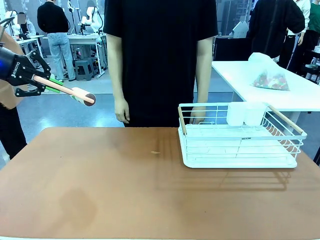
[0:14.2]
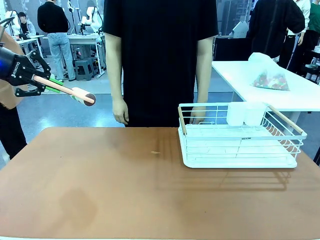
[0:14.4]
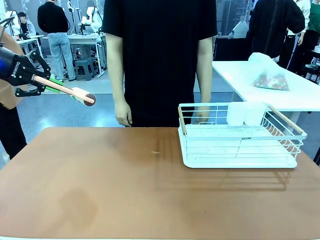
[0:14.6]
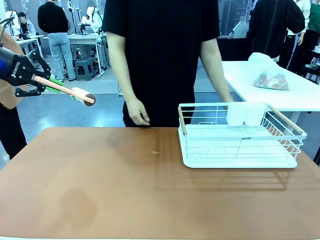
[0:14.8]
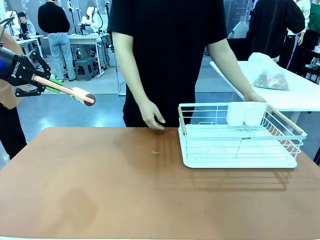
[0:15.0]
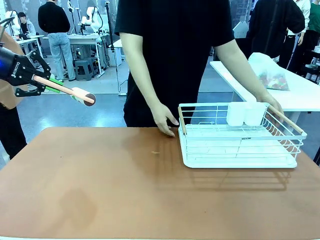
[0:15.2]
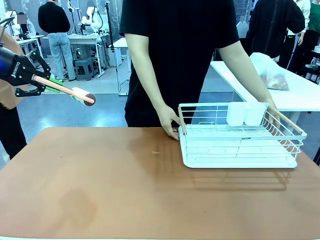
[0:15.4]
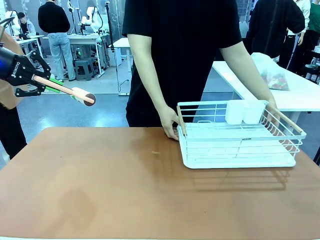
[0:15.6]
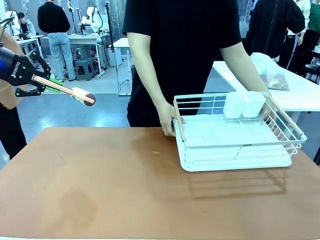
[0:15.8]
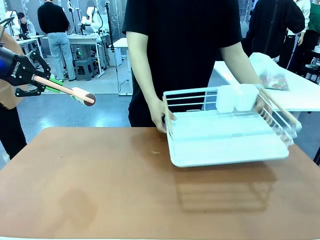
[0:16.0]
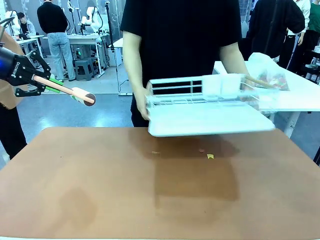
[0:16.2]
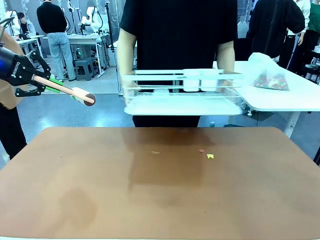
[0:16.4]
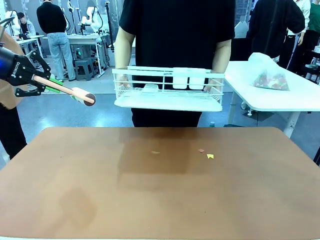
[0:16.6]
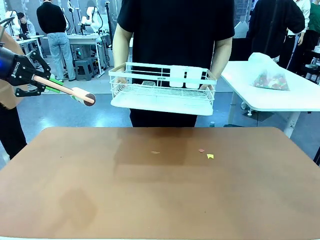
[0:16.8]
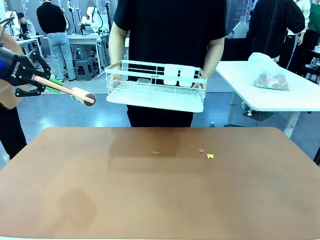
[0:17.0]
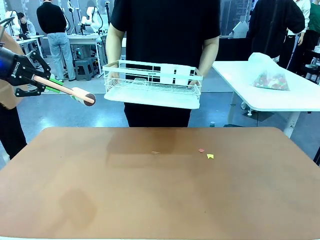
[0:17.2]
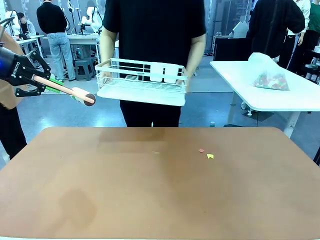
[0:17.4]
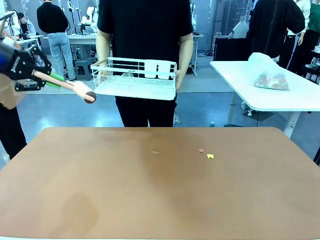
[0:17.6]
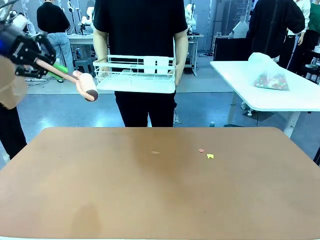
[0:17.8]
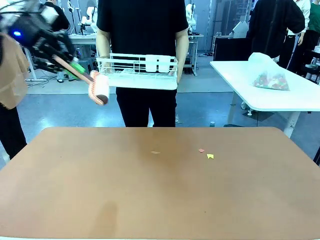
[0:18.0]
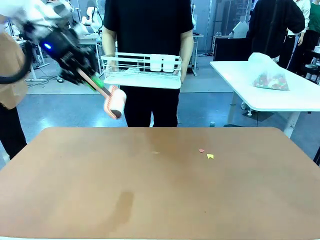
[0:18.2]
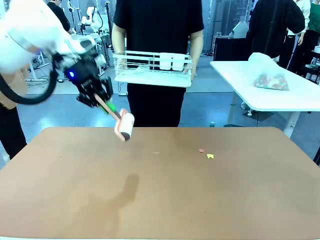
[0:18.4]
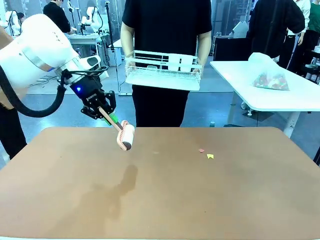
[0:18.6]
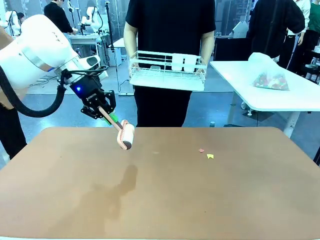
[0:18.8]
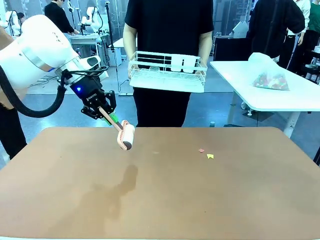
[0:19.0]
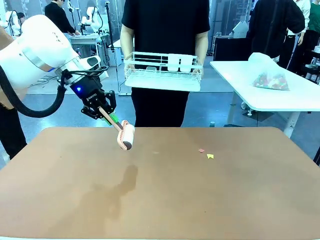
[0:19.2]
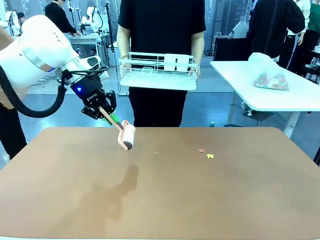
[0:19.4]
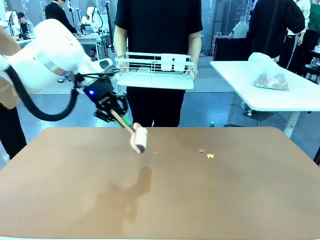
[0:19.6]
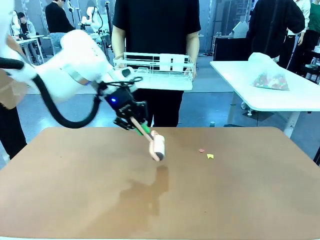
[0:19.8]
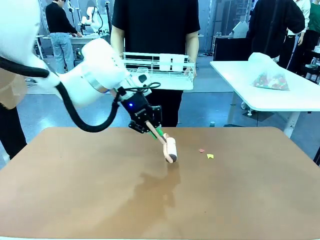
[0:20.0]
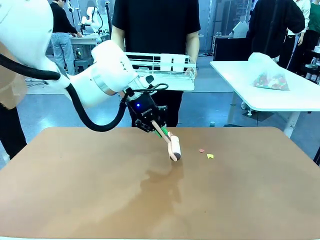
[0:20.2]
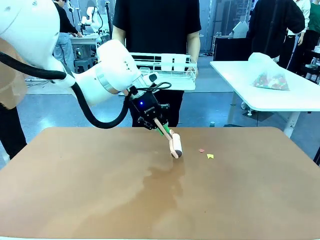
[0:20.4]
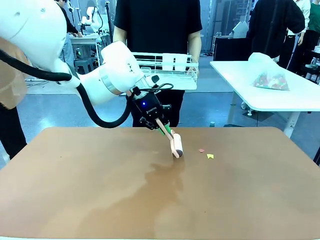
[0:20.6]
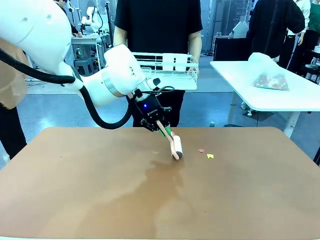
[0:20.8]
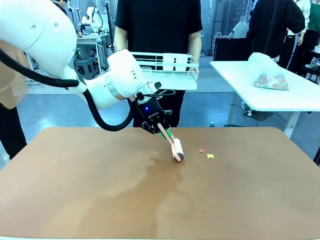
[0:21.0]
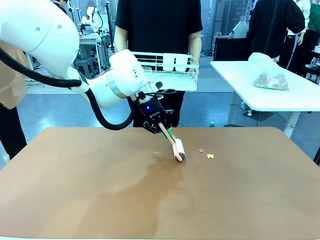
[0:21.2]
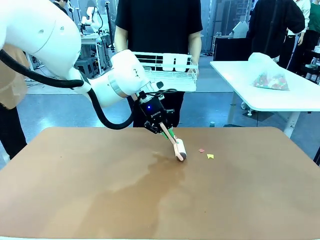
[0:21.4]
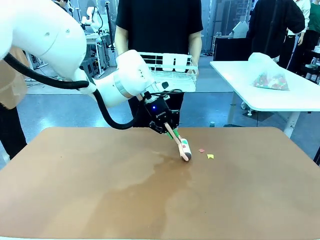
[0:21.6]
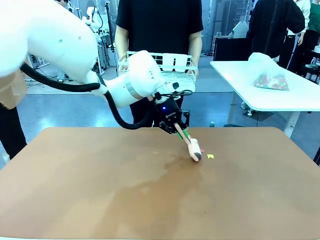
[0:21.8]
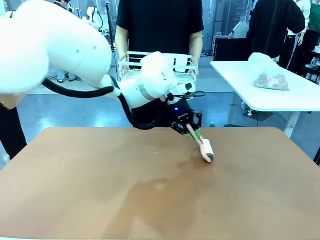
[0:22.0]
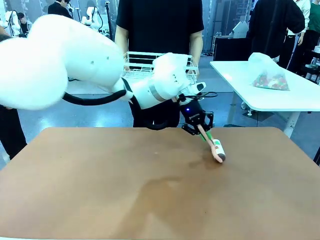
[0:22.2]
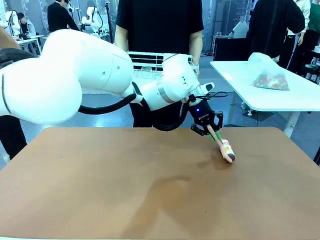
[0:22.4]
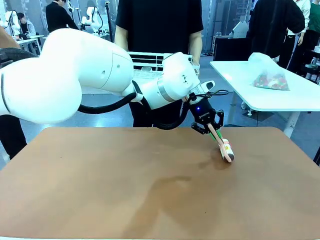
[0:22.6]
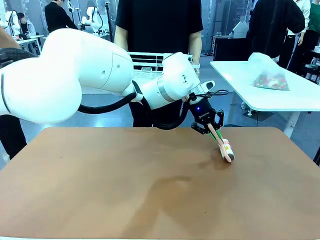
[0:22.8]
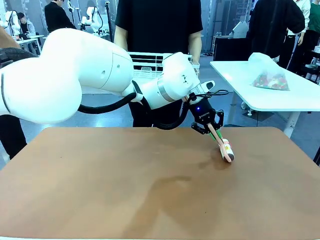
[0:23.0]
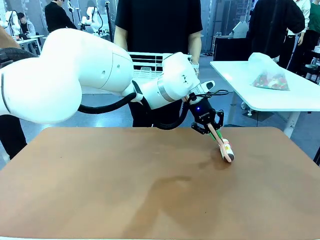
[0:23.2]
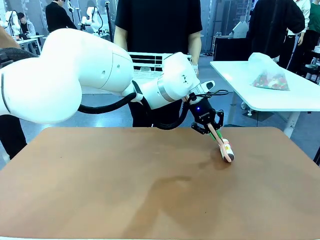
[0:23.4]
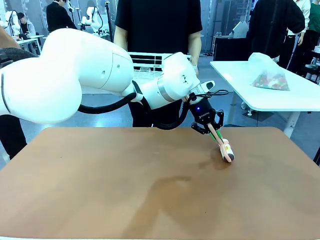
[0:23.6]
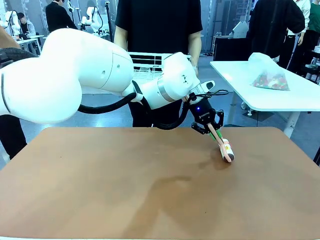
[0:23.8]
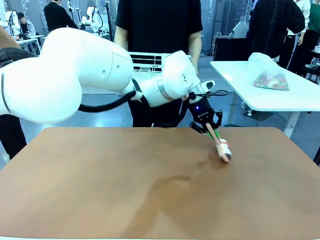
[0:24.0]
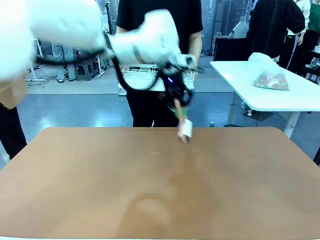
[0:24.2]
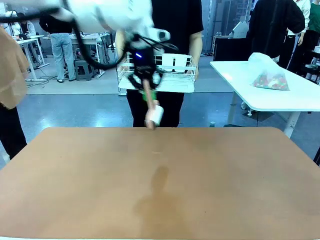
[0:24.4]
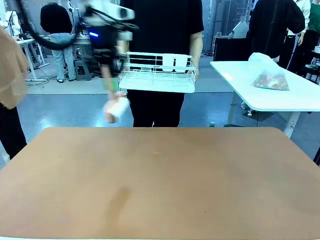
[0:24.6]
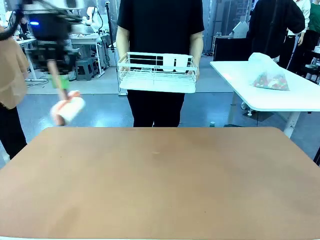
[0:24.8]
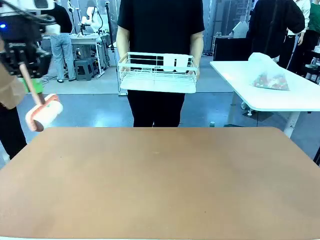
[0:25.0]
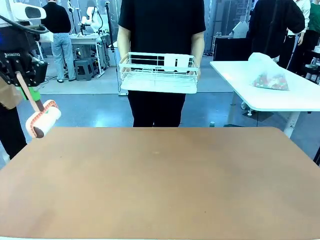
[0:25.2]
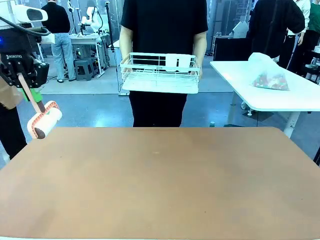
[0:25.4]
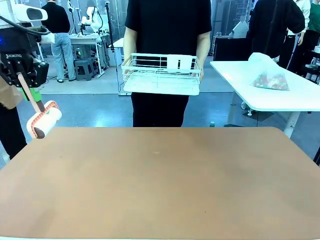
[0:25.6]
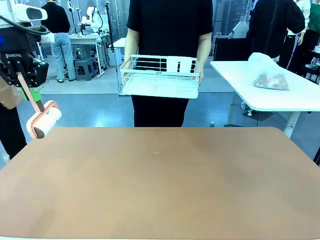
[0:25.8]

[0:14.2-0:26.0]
Task: Clean the table.
Robot: Clean the table with the Lint Roller when the human lifts the Dish drying rack.
Person: Place the Dish drying rack down when the robot finishes cleaning.

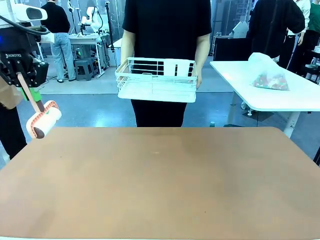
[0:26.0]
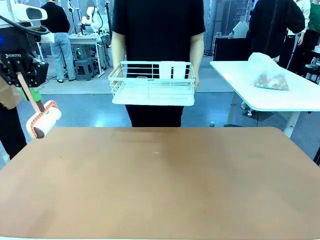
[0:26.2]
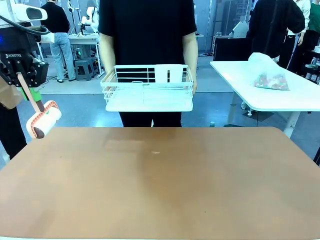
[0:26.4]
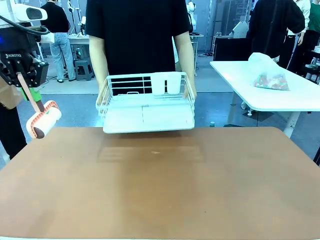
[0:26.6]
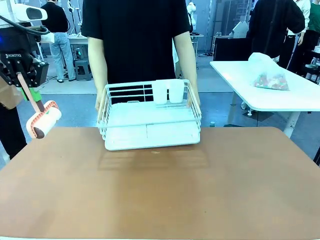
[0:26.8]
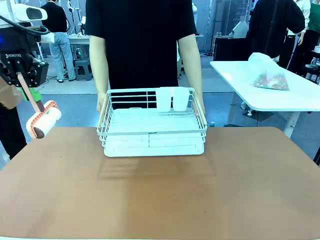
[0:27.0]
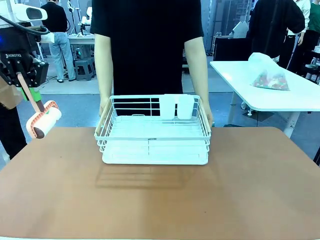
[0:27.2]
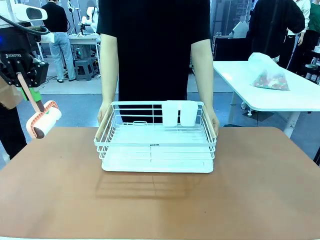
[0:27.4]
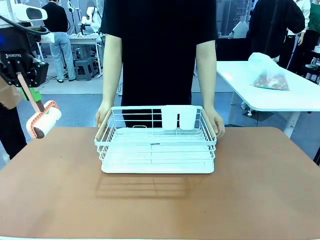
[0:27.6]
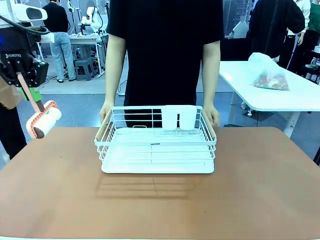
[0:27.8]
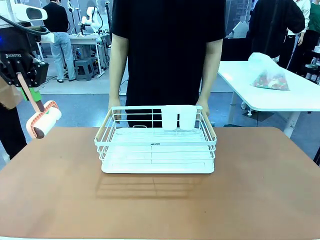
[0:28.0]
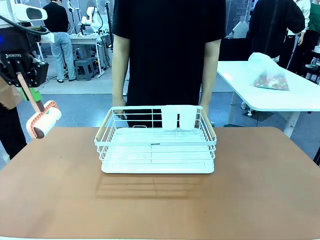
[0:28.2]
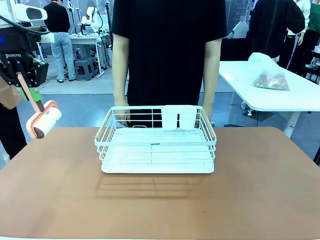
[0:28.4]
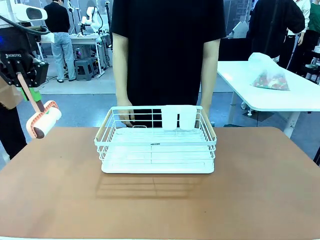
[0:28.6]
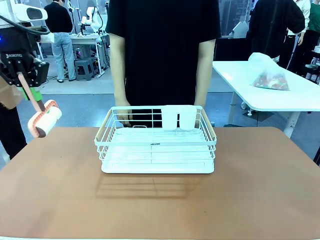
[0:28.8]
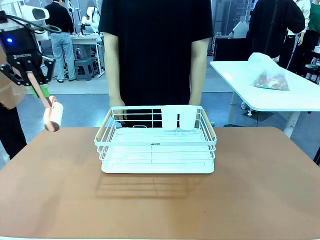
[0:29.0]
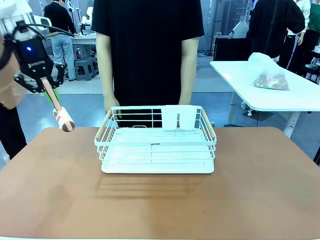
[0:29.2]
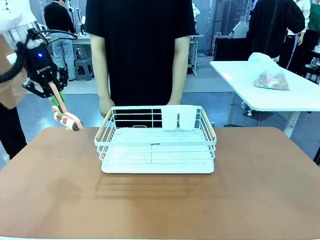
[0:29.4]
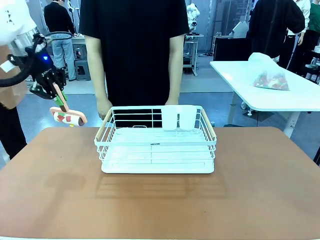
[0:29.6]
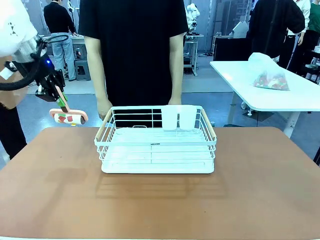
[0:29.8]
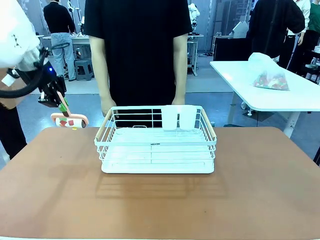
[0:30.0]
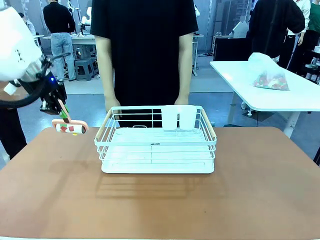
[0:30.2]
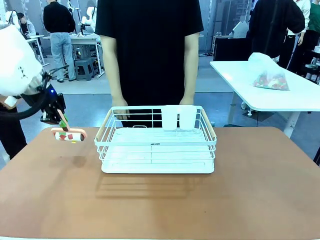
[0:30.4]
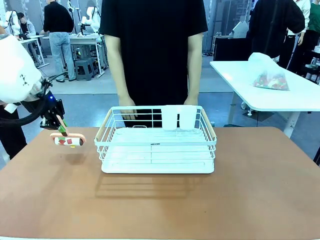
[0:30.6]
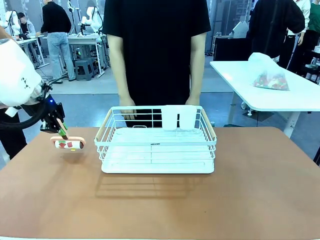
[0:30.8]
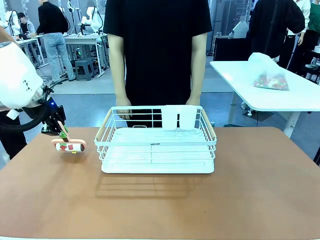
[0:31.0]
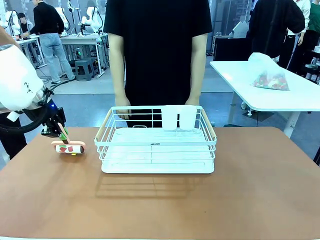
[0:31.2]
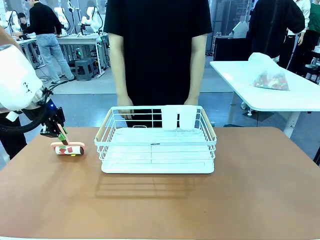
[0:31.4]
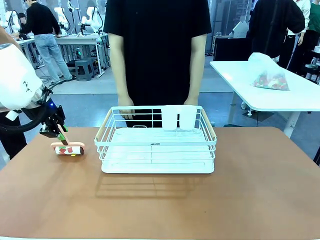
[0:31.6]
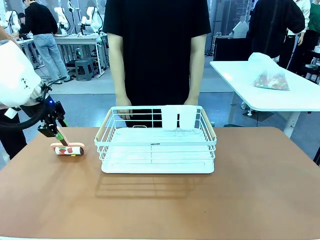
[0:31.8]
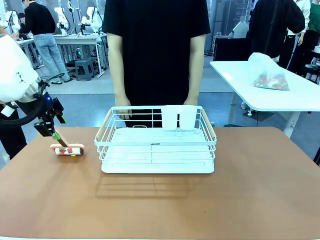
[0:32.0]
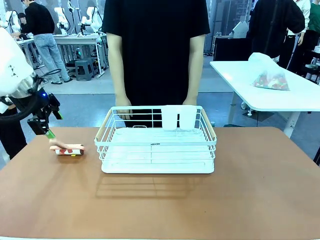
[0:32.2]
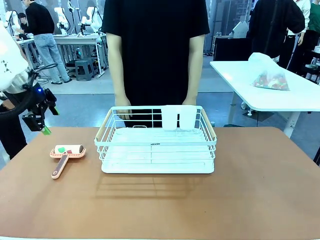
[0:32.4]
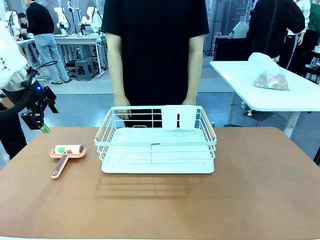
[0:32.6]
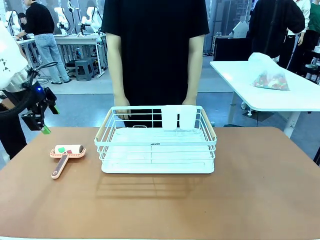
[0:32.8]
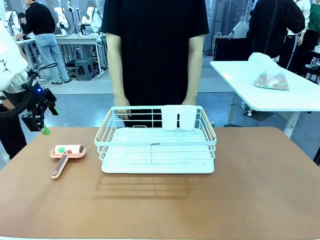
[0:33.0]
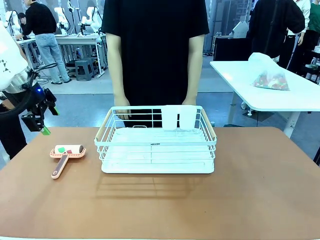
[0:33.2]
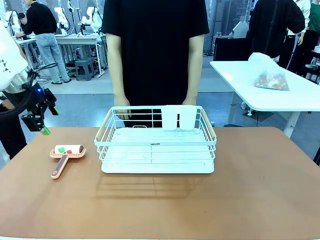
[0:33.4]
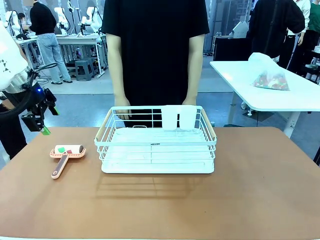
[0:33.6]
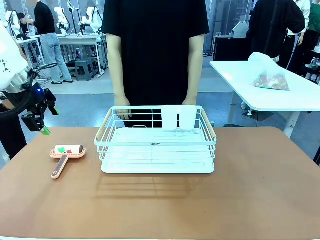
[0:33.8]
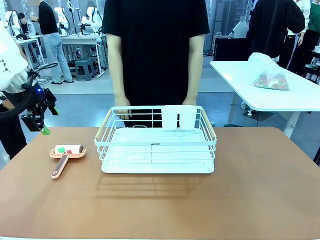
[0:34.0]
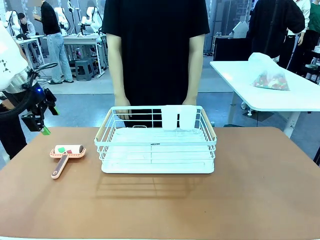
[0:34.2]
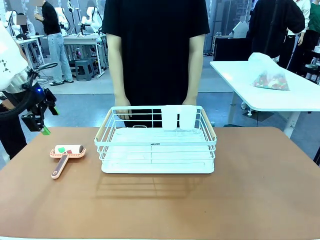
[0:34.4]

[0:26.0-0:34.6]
Robot: Place the Lint Roller down when the Dish drying rack is positioned in the middle of the table.
